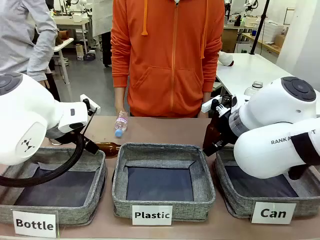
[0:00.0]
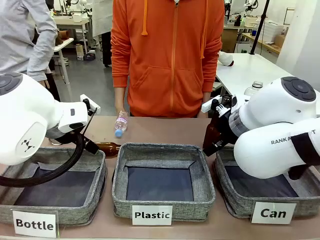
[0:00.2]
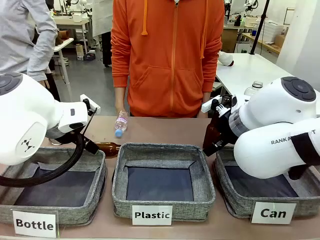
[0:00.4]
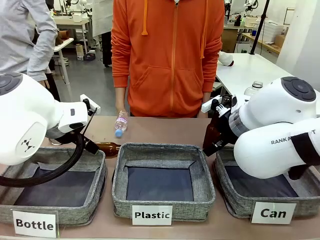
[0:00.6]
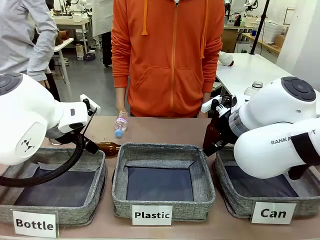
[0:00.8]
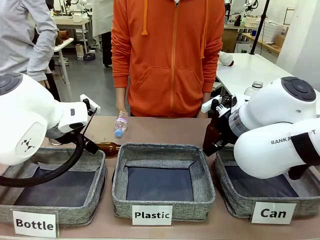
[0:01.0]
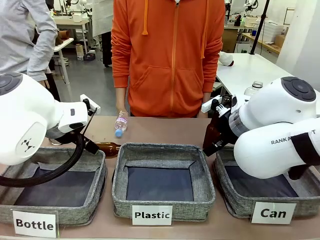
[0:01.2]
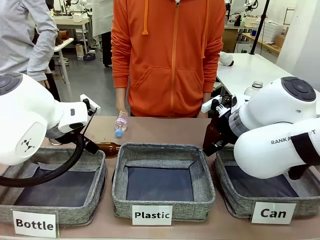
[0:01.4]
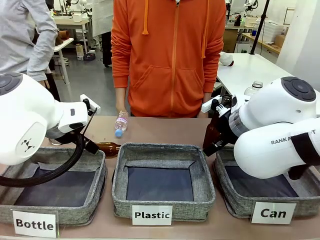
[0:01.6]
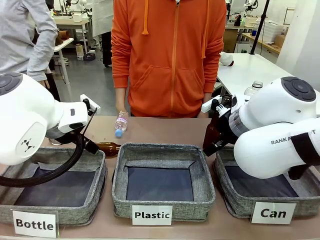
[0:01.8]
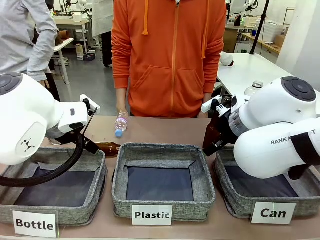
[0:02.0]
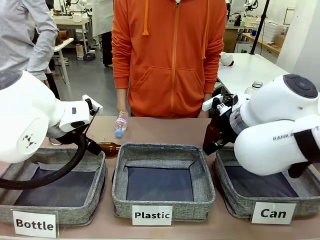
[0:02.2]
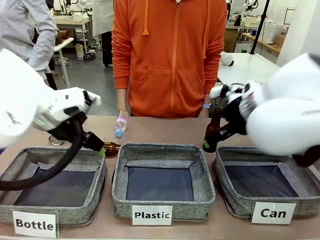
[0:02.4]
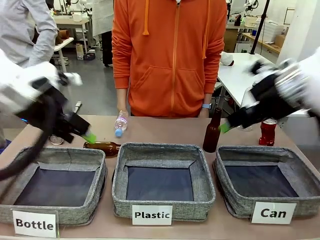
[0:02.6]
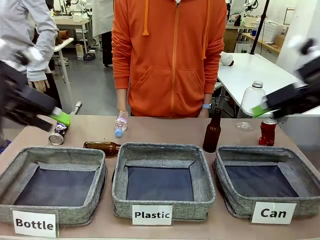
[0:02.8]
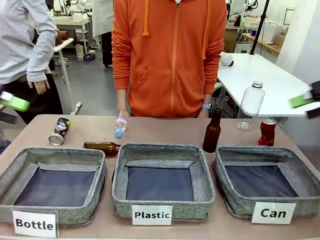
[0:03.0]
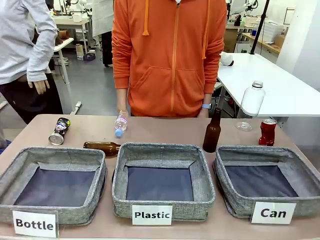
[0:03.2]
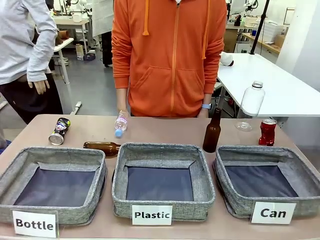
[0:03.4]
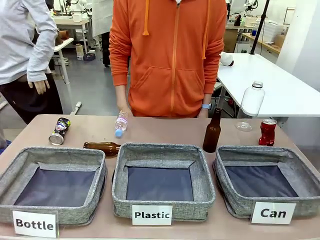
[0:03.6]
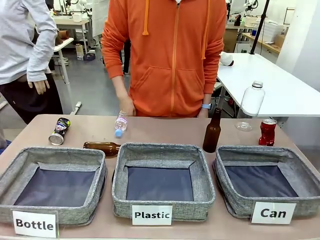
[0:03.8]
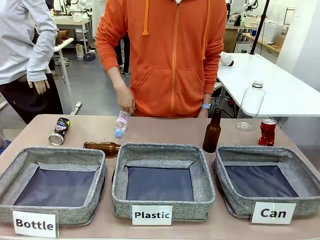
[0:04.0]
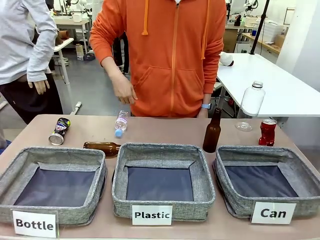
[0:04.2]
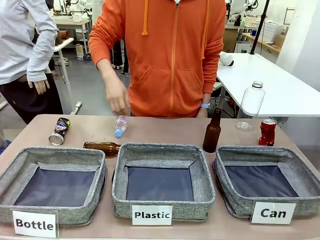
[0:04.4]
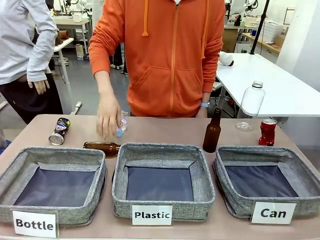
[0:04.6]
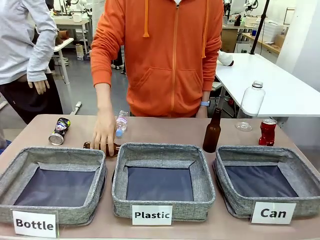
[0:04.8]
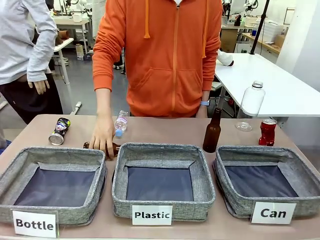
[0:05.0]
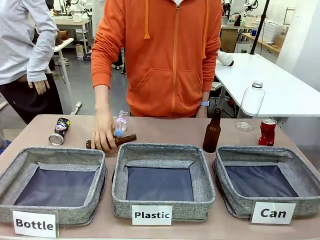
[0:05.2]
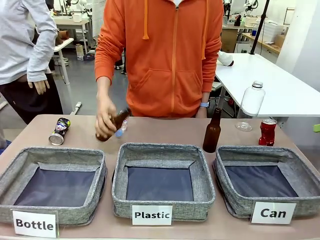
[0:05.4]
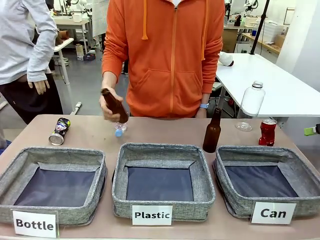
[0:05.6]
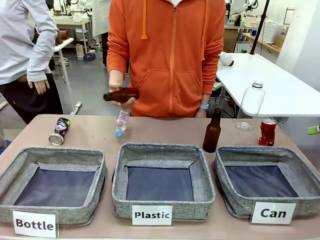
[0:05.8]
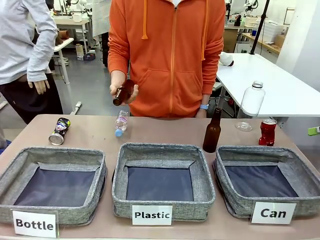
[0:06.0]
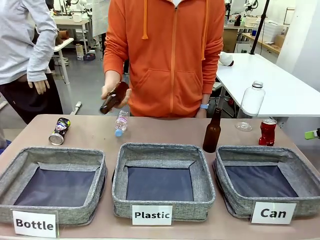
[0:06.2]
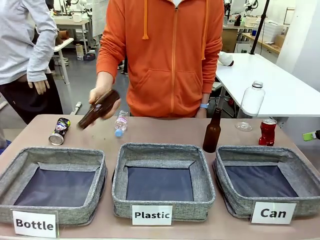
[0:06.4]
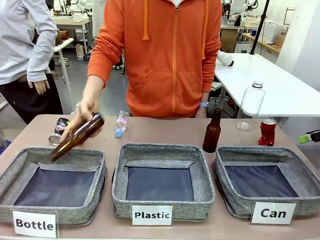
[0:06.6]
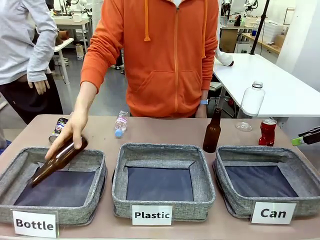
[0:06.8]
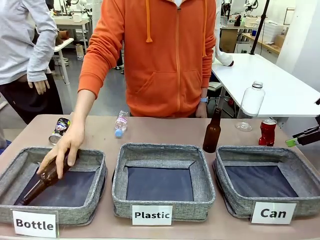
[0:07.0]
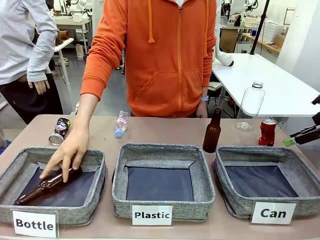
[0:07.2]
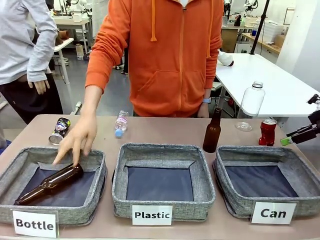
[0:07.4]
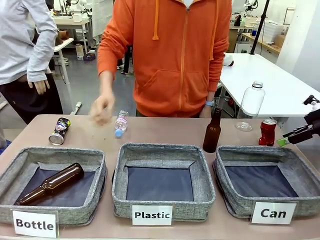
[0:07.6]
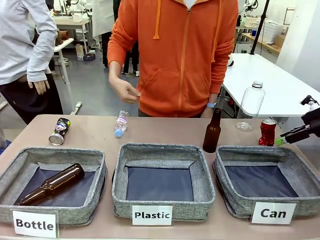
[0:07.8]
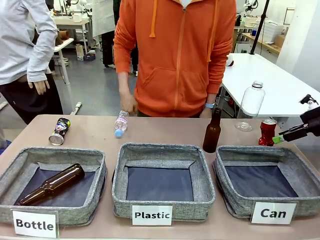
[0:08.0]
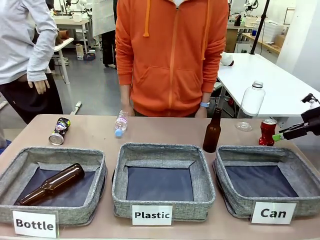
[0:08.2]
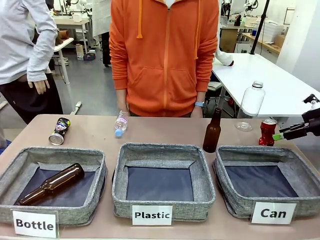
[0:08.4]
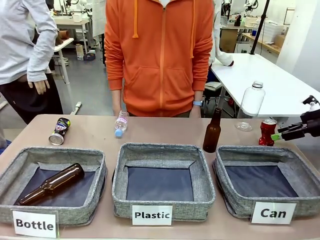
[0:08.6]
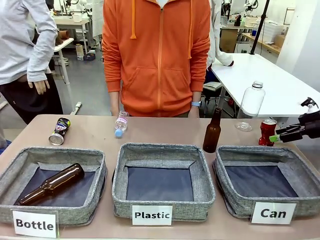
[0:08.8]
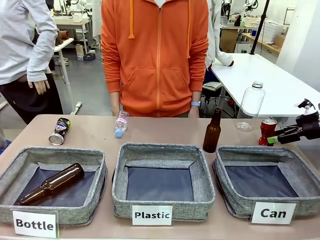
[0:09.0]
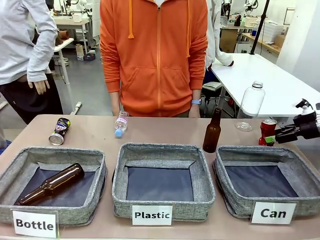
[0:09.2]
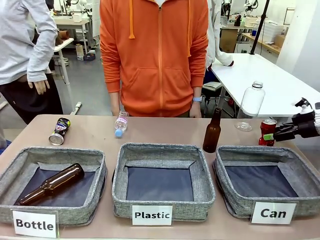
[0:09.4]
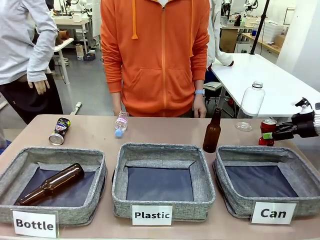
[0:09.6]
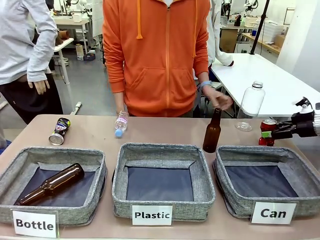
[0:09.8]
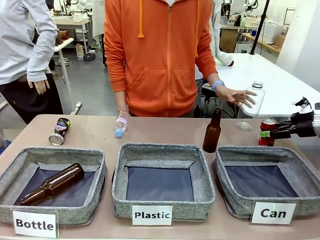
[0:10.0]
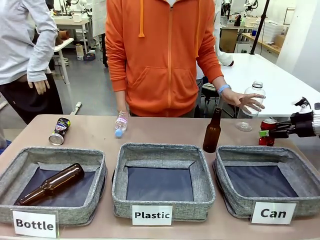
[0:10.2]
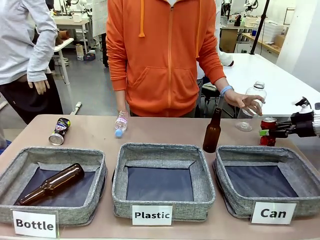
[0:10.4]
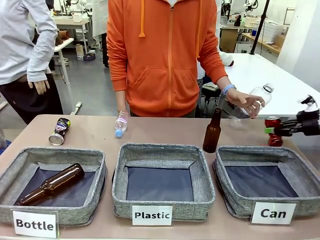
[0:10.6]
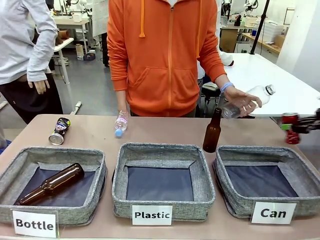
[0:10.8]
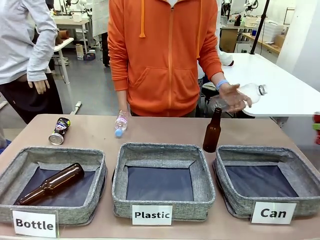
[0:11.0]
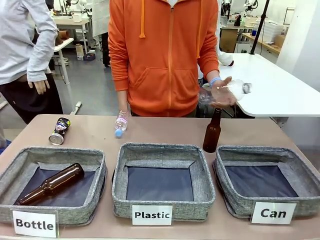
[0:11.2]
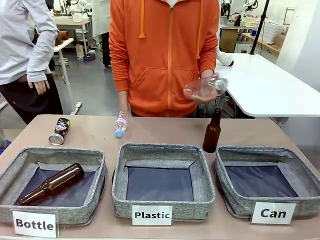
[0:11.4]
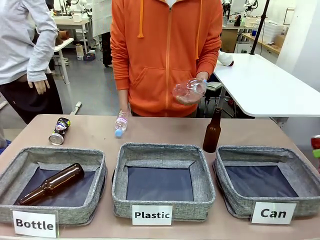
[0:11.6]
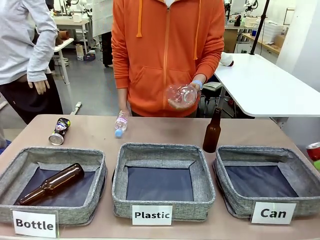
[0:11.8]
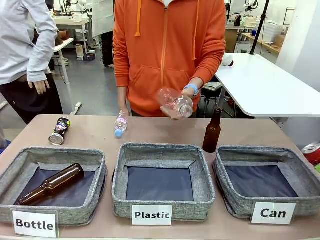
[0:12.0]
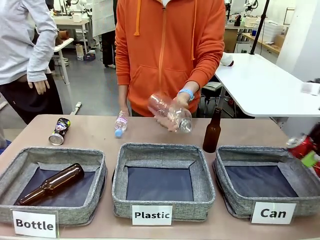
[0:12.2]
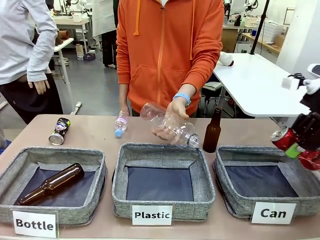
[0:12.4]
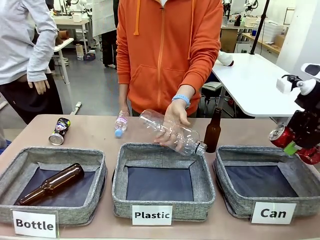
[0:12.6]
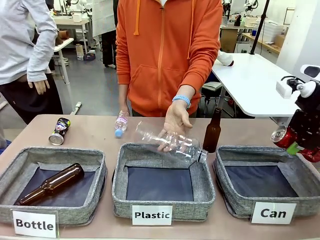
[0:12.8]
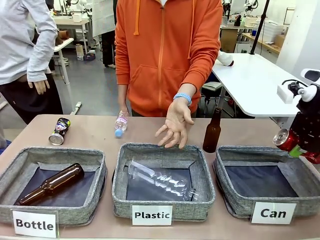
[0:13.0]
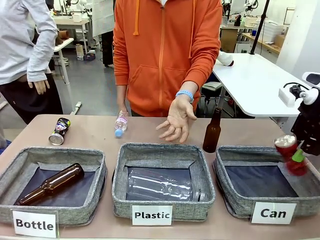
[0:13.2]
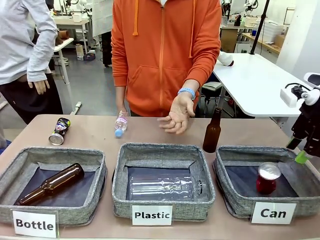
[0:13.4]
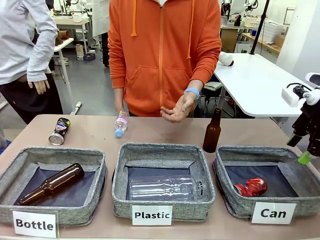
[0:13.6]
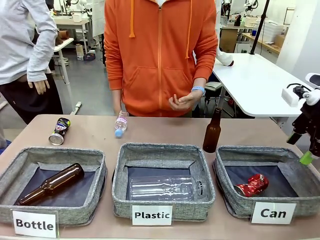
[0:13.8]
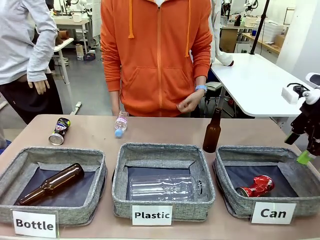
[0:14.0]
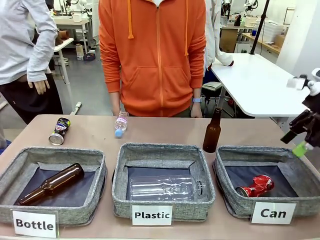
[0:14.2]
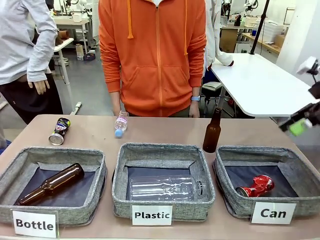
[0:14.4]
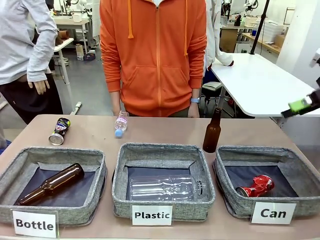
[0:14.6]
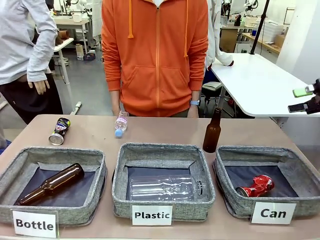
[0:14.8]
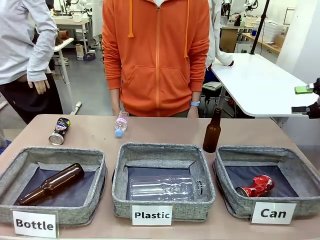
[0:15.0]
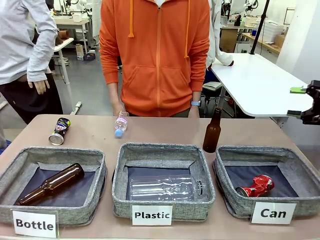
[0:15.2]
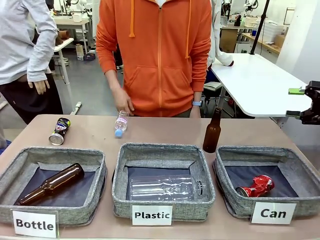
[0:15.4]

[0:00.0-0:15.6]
Task: Sort the can waste into the basket.
Robot: Pick up the can waste from the table and place it in the right Fabric basket.
